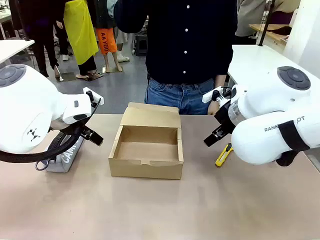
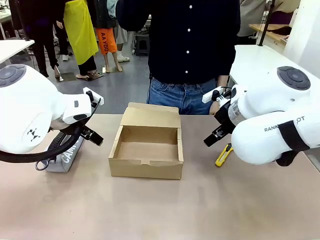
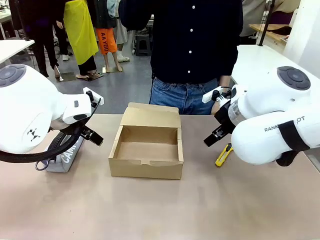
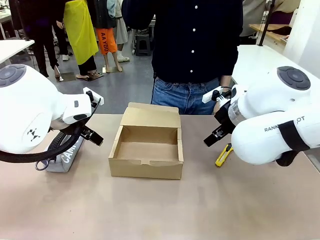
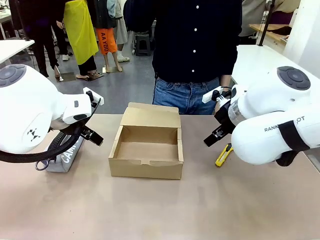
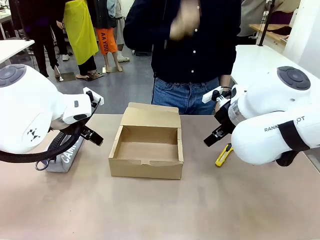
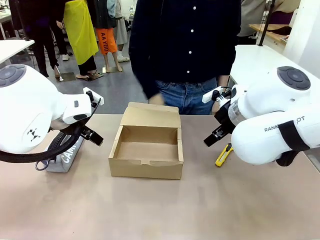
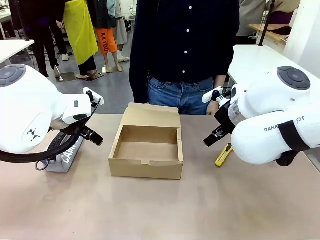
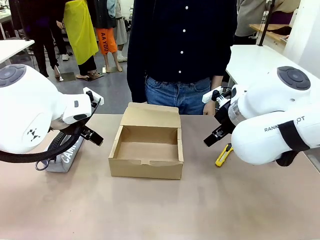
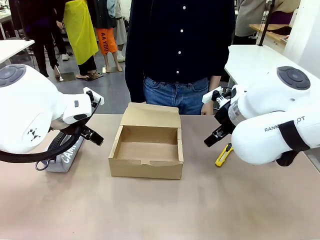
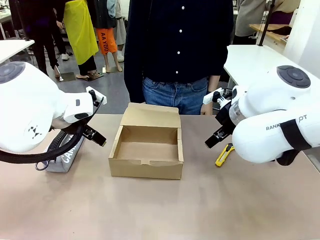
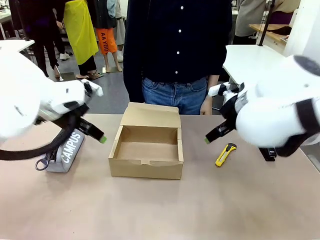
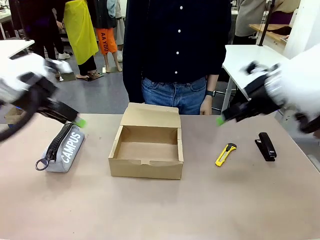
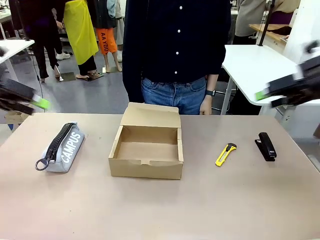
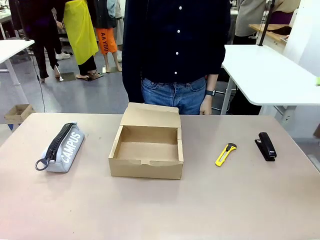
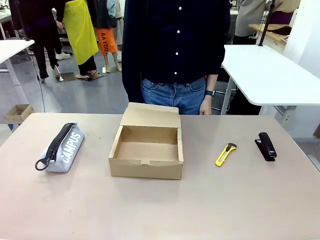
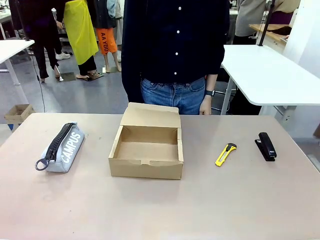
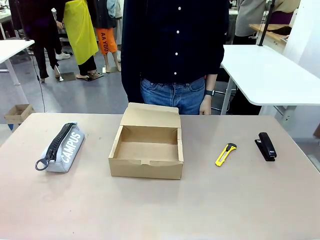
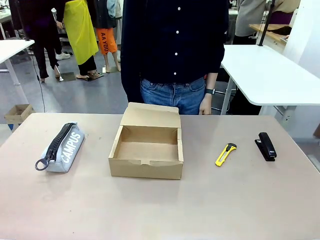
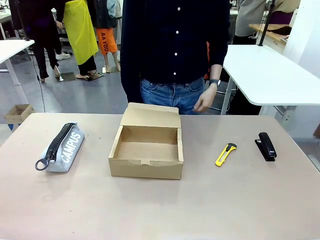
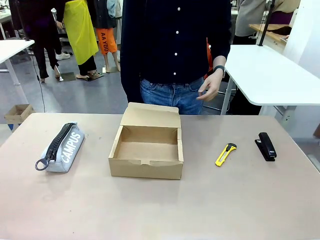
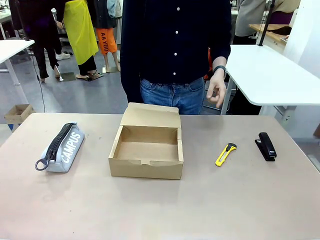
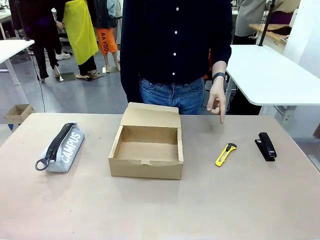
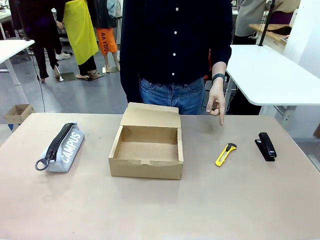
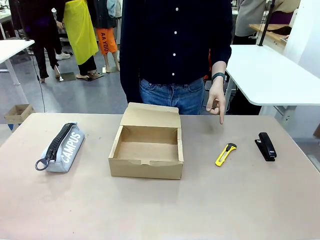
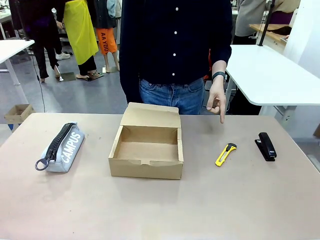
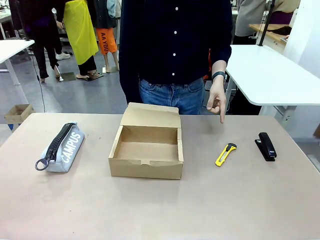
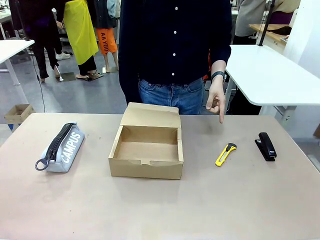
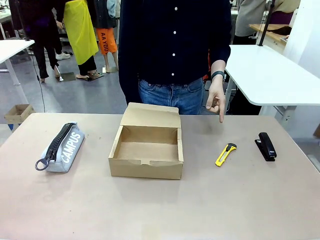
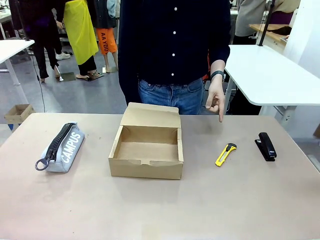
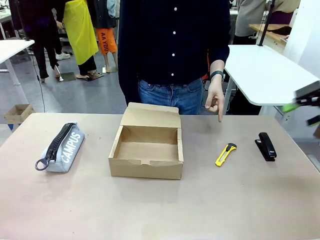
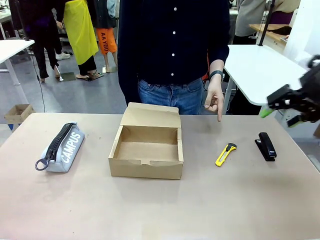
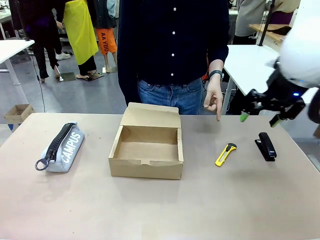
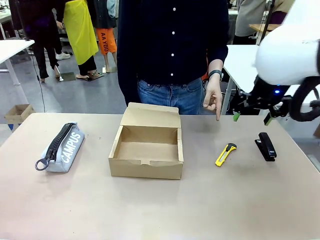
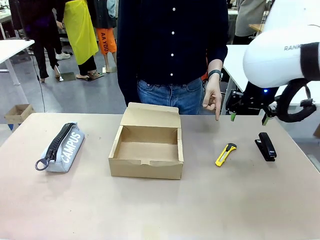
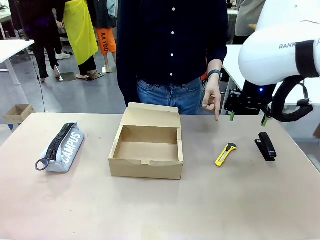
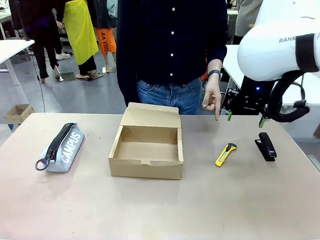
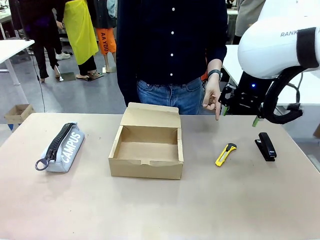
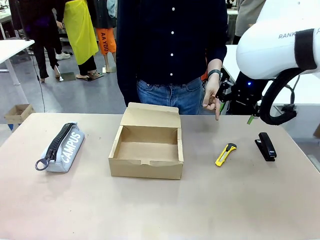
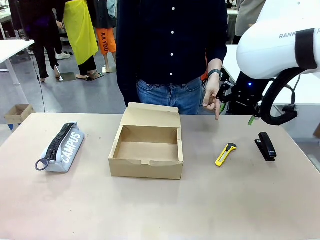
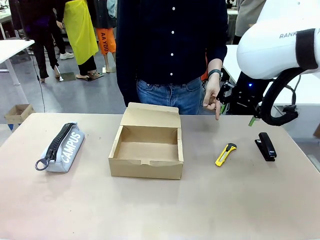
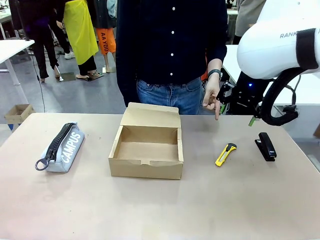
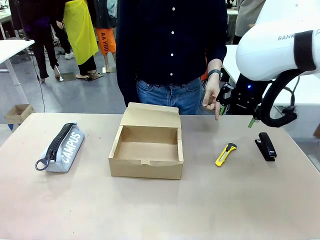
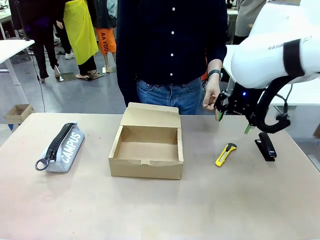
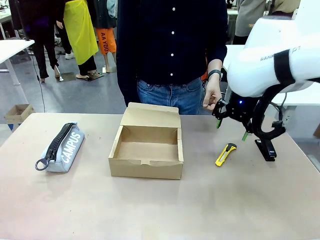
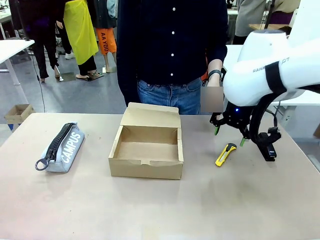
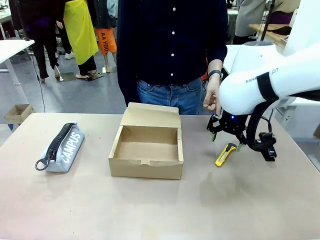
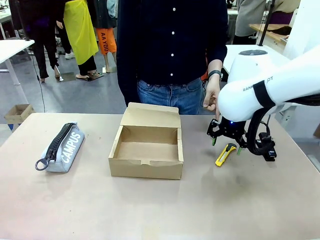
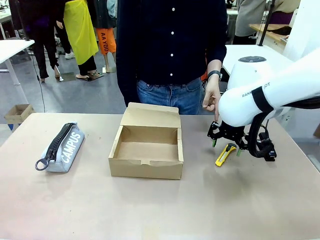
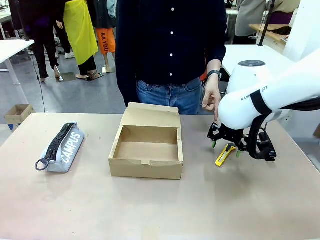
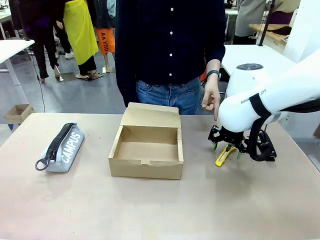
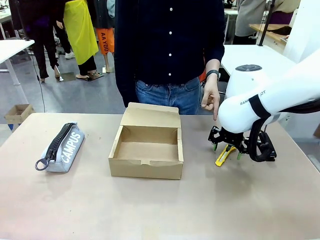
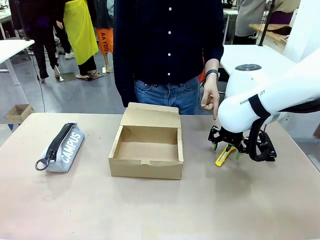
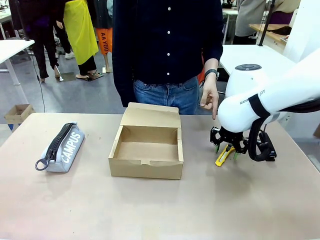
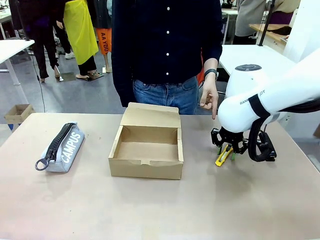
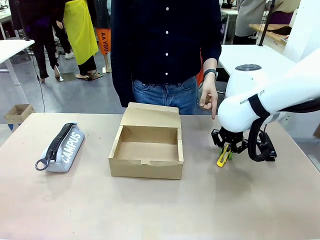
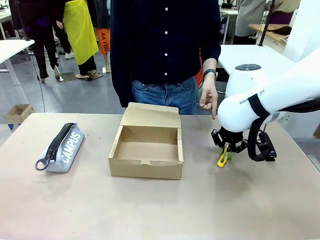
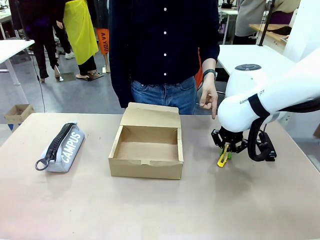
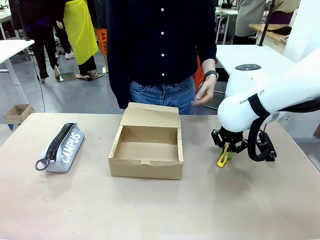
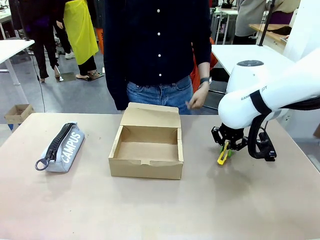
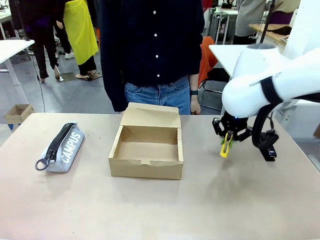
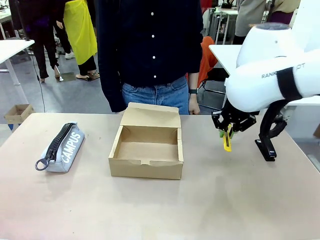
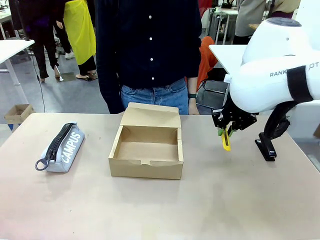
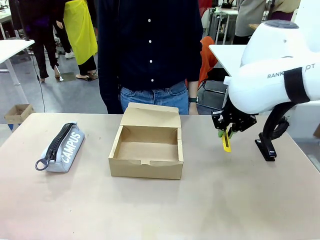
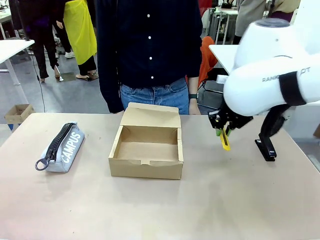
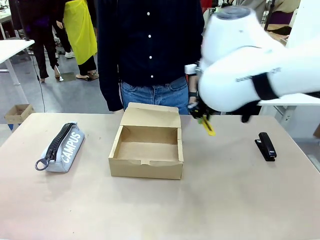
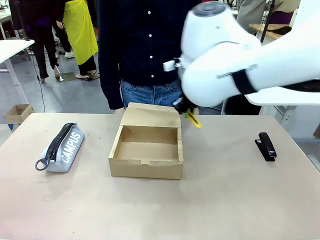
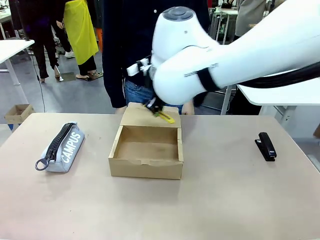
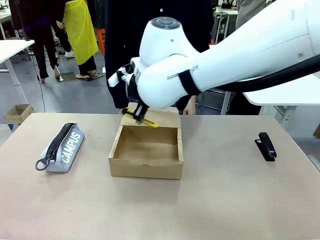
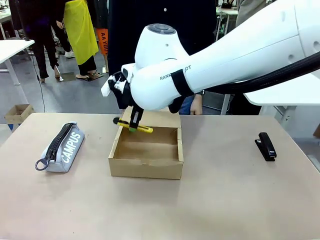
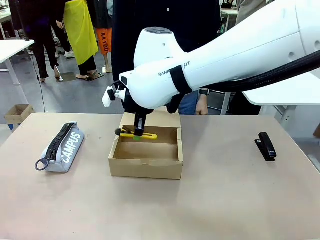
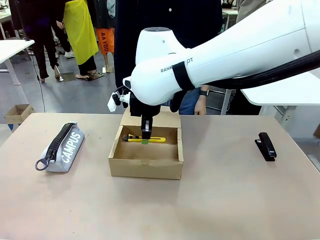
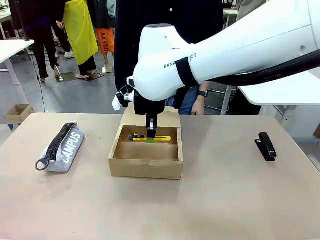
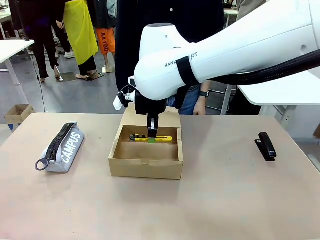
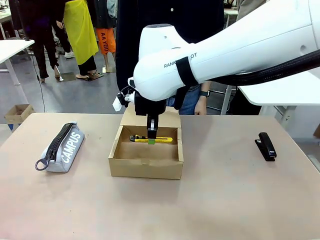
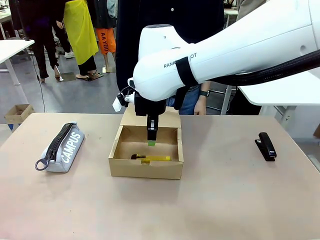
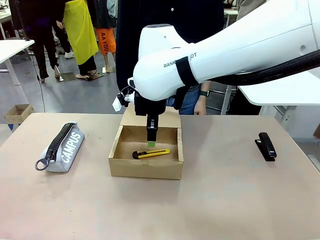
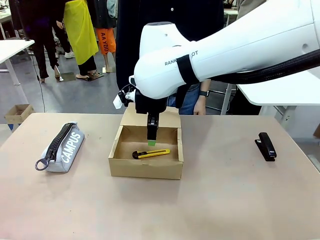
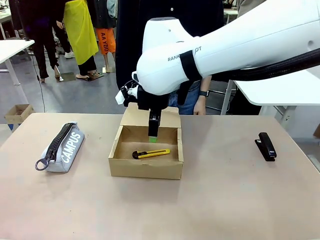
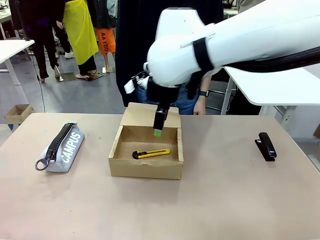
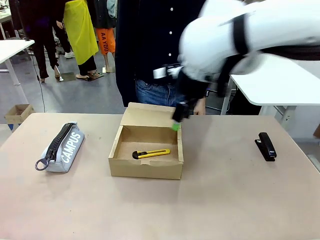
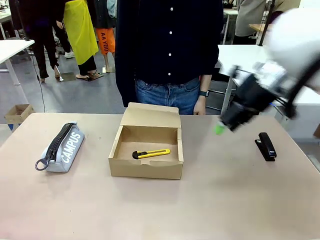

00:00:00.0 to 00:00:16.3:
Task: Pack the items into the box.
Robot: Pick up the item specified by the human and place it in the Mailer Box.
Person: Point at one item on the table (excluding the box).
